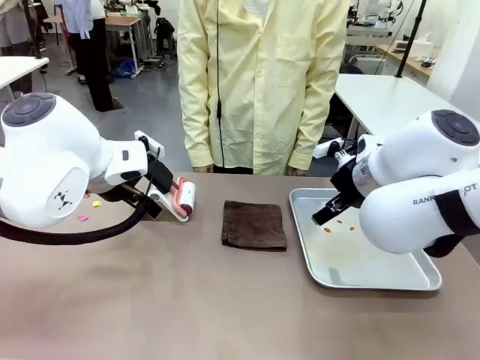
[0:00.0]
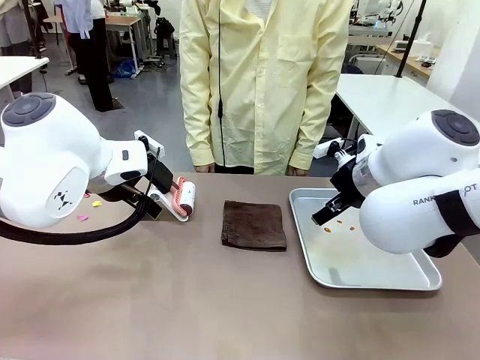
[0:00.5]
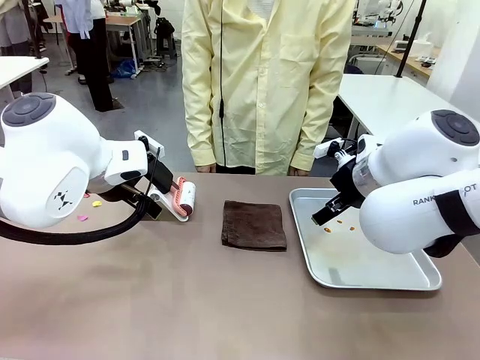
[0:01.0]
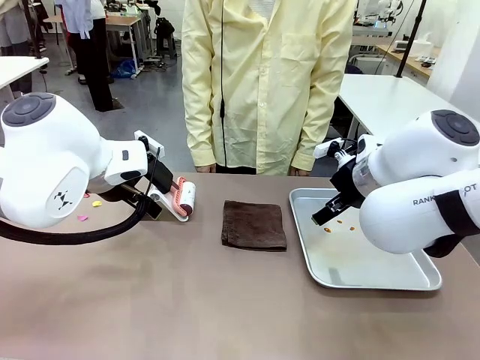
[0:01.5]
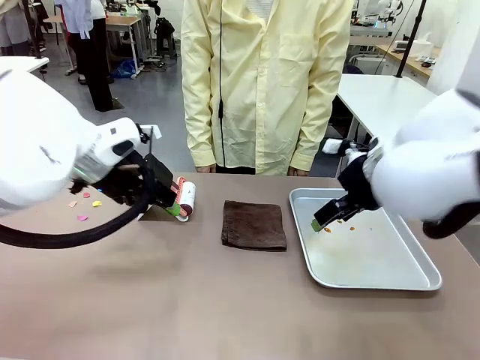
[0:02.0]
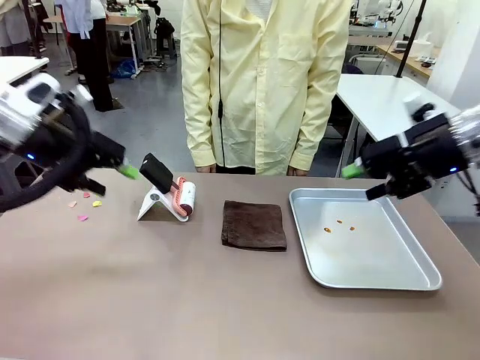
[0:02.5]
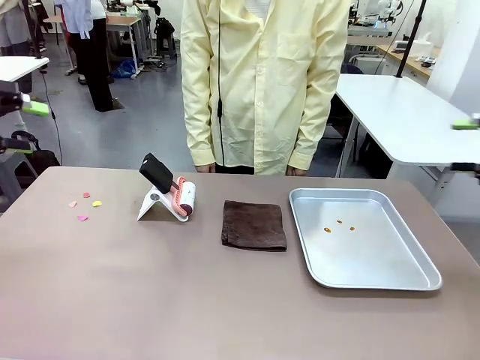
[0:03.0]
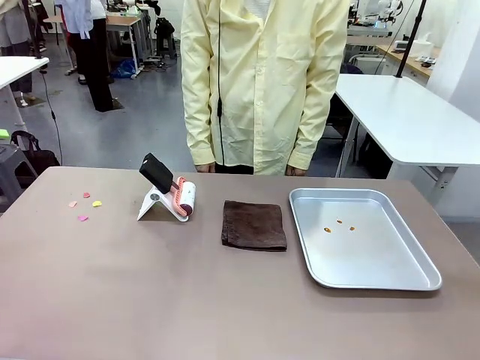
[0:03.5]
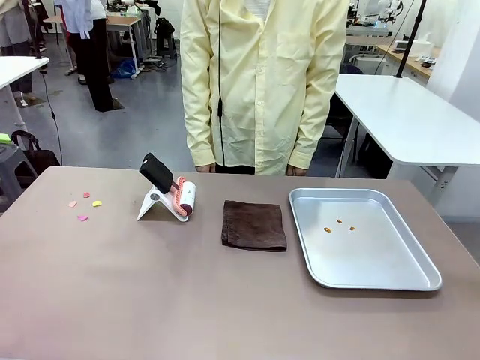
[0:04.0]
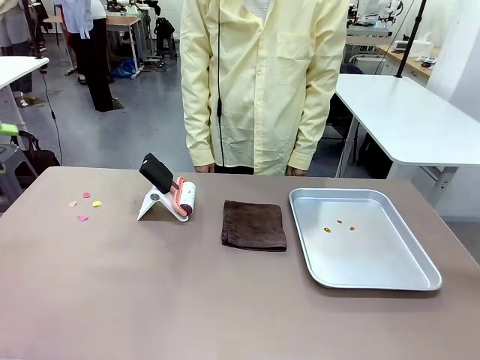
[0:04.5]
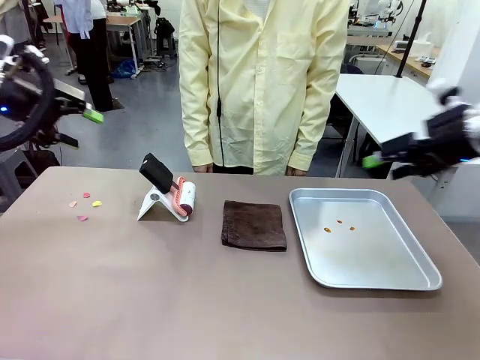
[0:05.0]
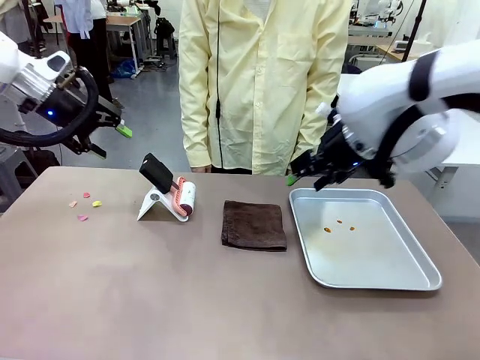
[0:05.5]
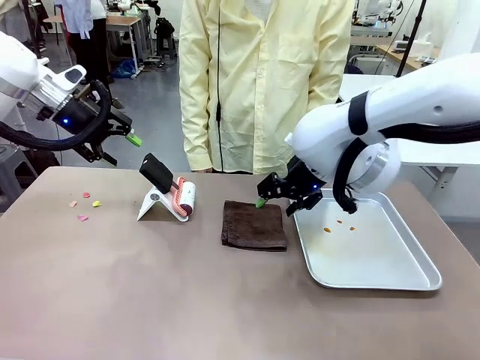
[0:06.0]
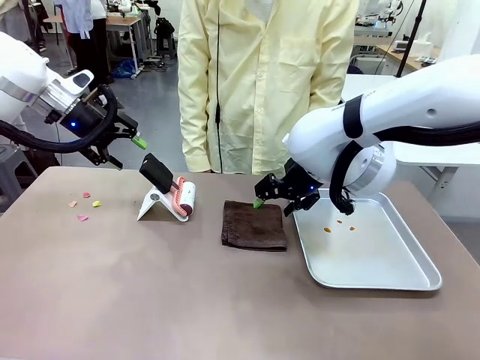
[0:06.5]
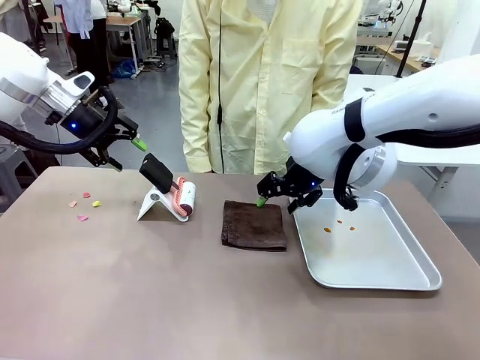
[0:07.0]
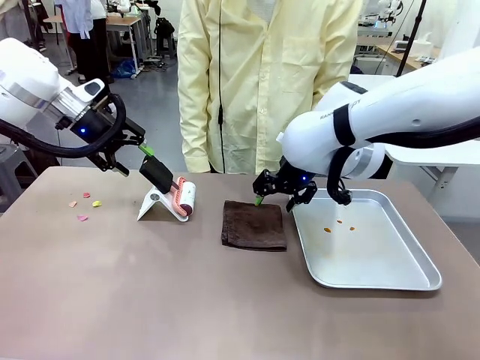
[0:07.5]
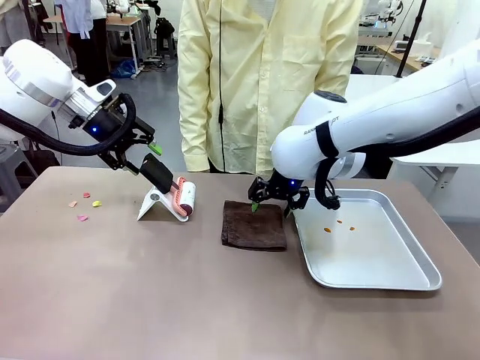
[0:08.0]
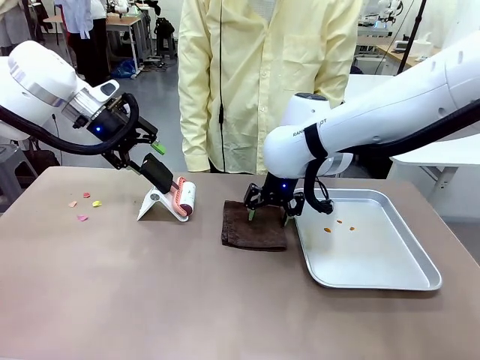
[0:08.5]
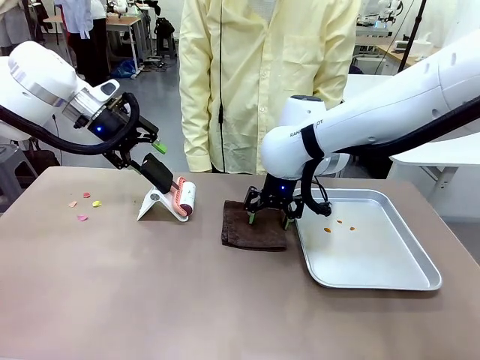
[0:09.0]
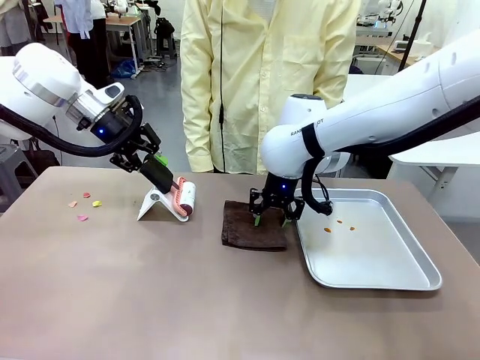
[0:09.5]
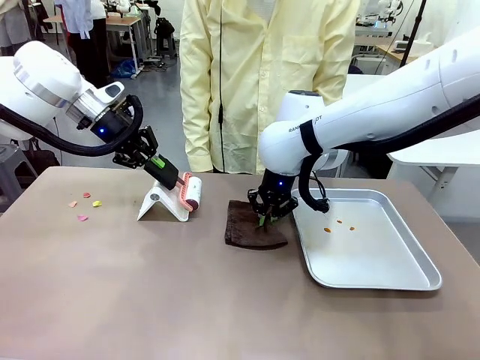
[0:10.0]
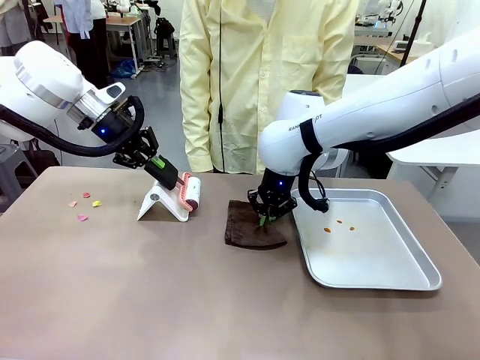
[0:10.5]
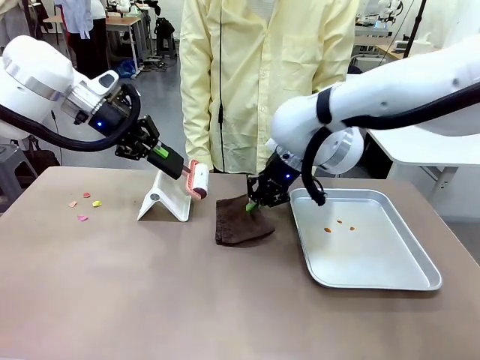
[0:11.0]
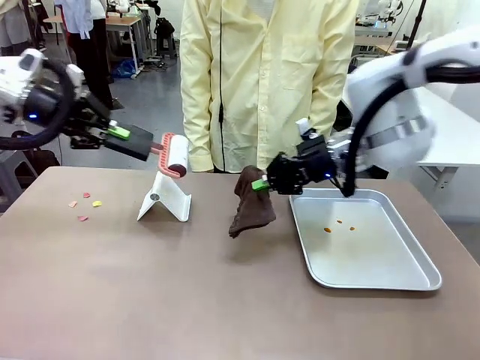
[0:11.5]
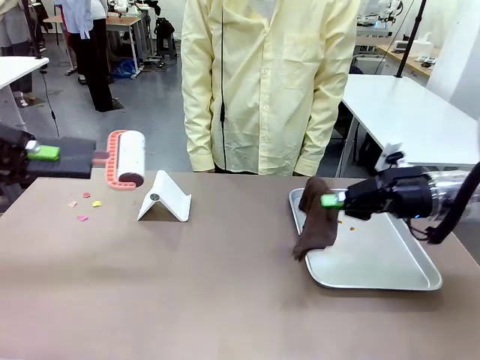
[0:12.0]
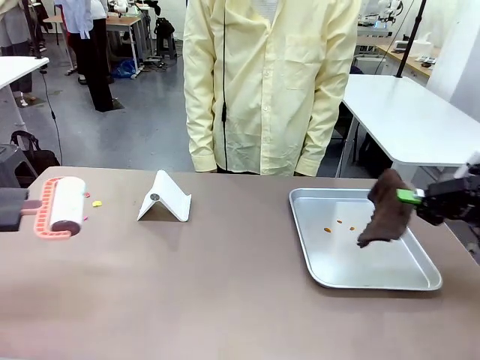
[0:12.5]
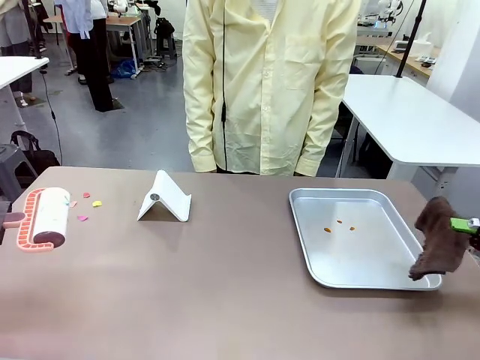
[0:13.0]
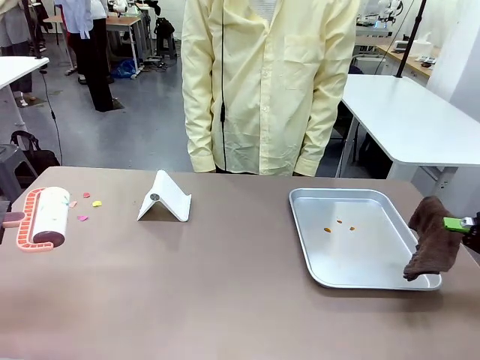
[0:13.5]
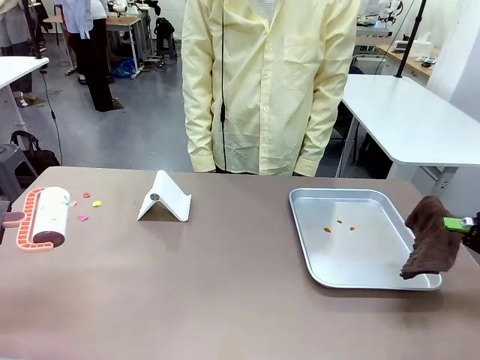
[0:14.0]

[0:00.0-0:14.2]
Task: Clean the surface of the table.
Robot: Hold the Lint Roller with your left hand and the towel with your right hand.

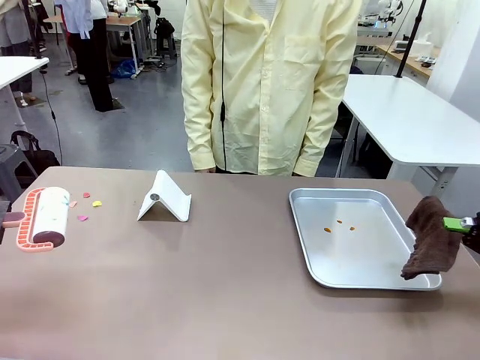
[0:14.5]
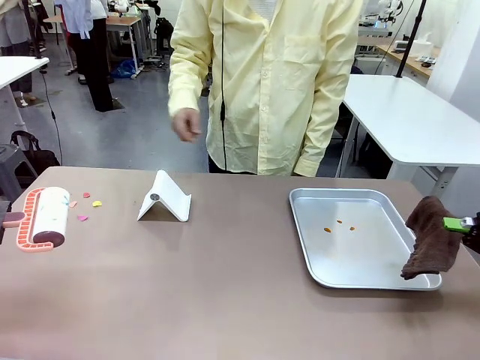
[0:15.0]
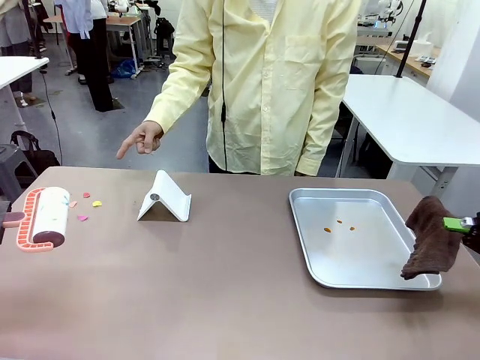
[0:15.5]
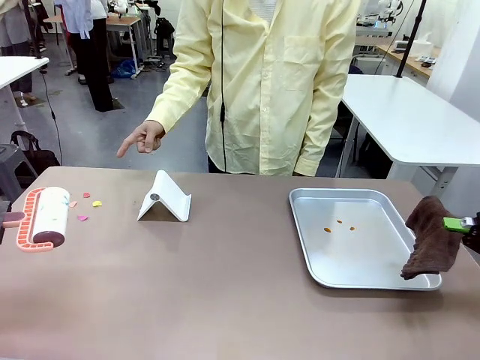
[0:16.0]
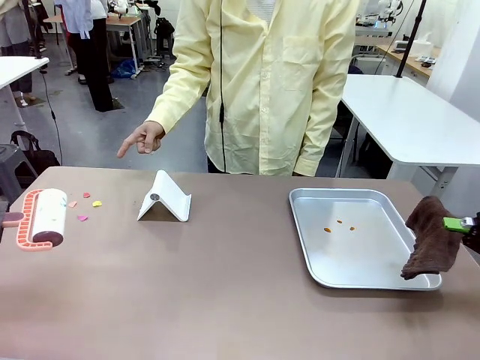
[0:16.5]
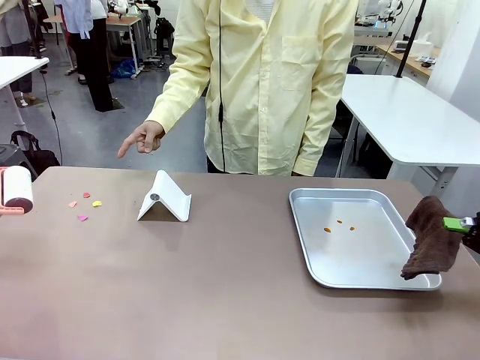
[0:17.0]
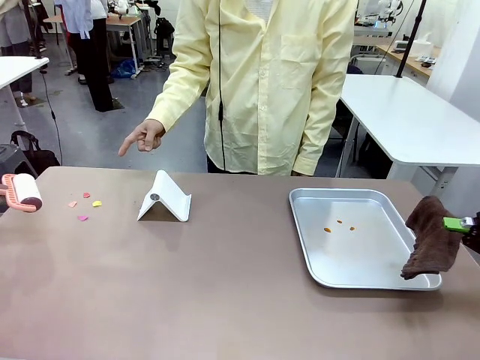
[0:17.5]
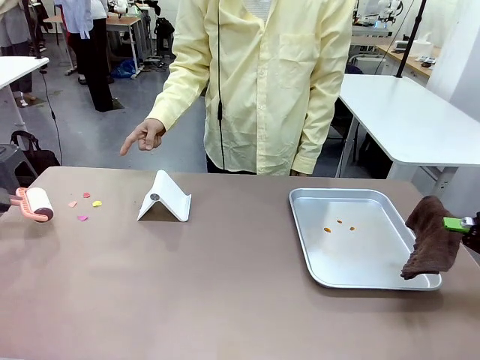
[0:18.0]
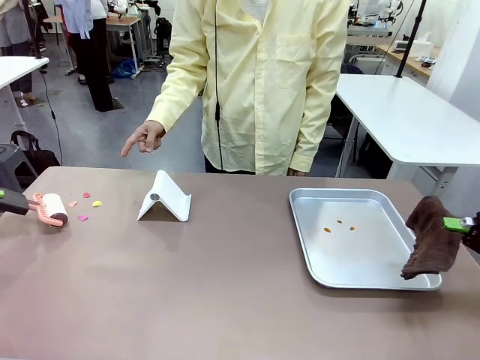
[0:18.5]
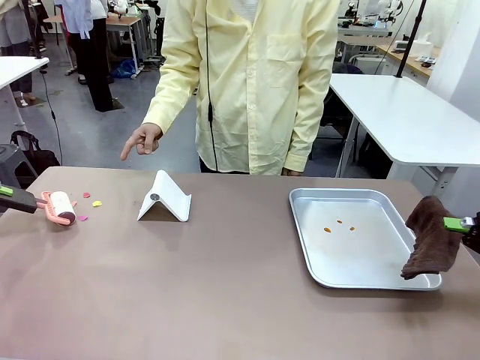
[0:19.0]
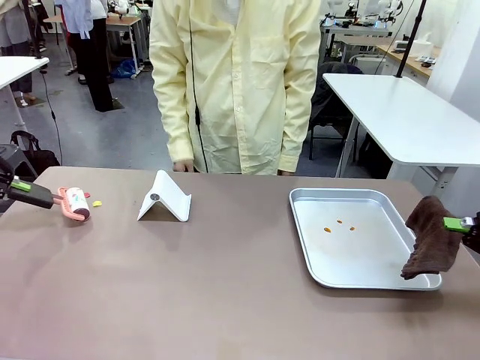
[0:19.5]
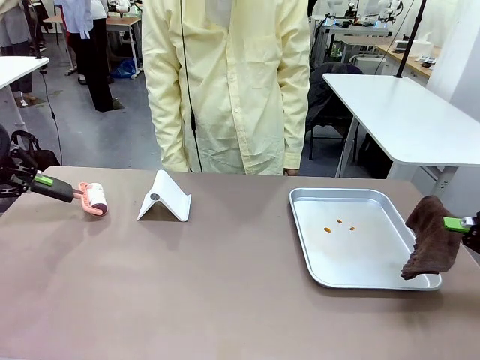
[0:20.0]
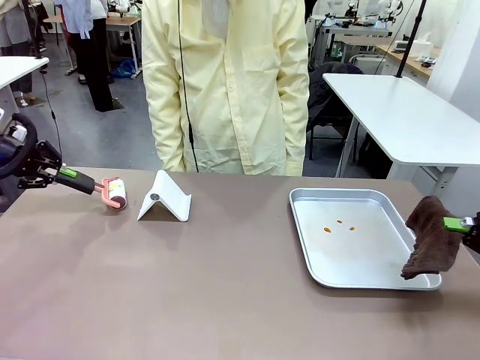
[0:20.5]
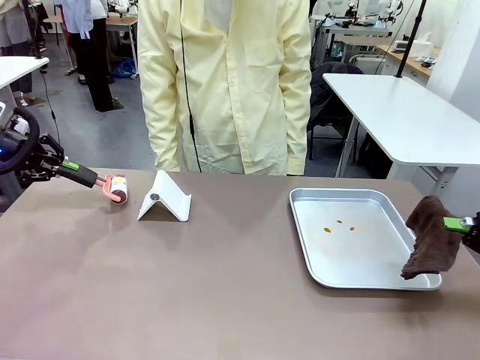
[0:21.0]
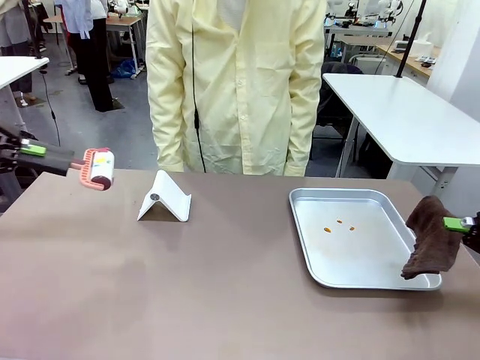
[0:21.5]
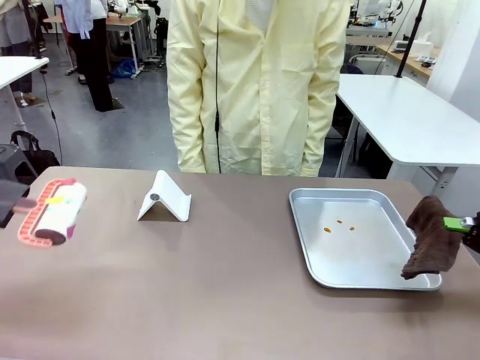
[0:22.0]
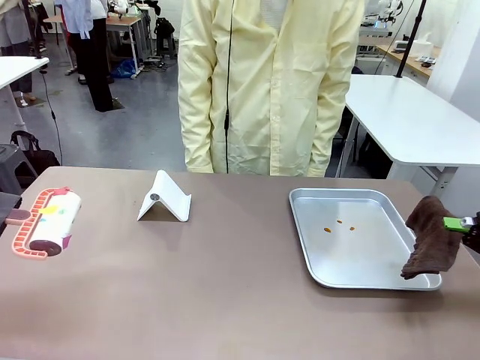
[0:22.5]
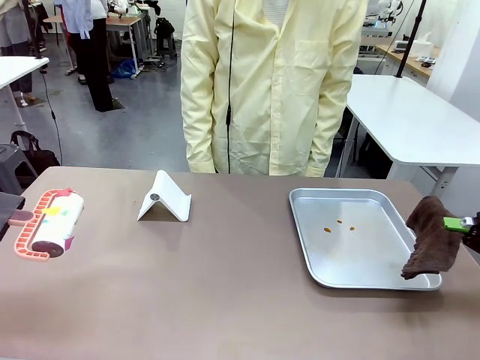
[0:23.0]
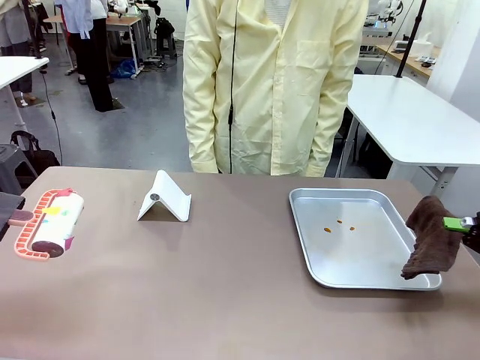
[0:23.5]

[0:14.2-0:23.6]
Robot: If a person points to the right, clean the right side of the table with your right hand, and if they point to the left, clean the left side with your left hand.

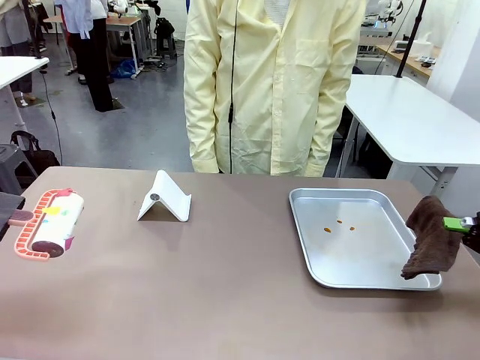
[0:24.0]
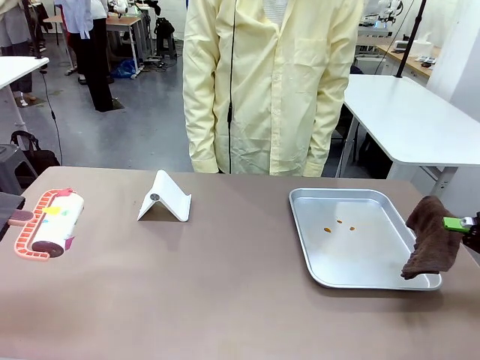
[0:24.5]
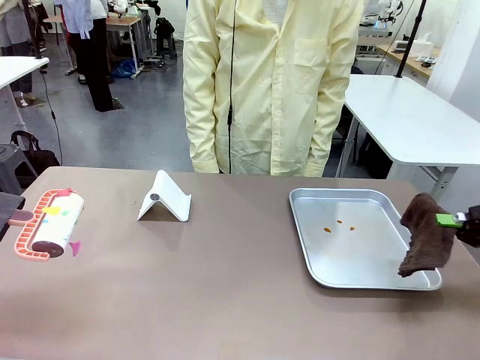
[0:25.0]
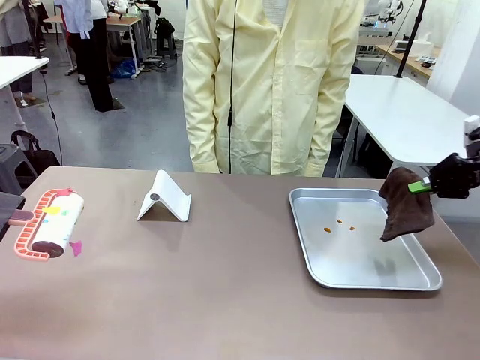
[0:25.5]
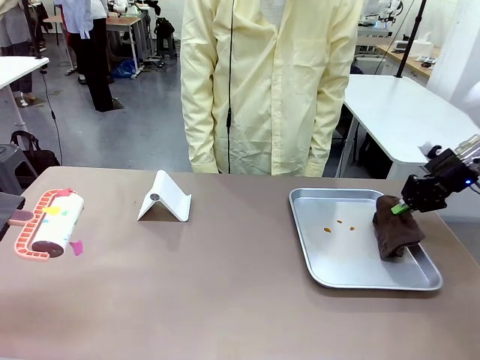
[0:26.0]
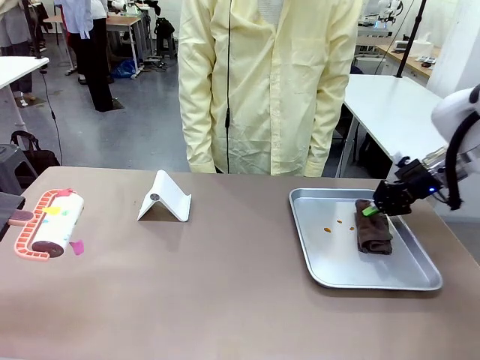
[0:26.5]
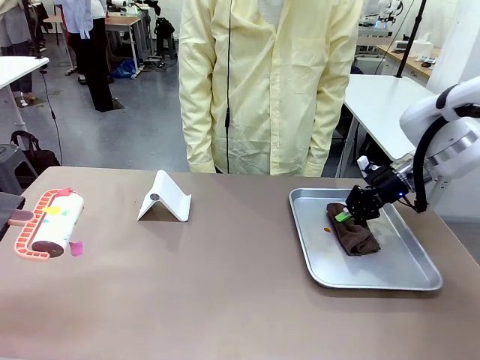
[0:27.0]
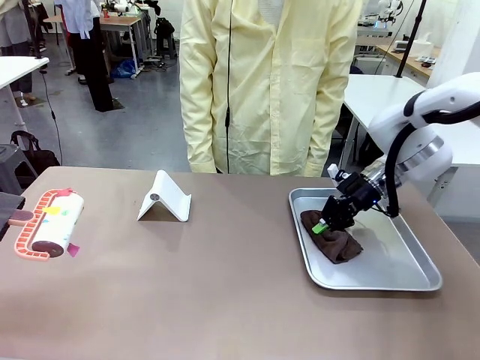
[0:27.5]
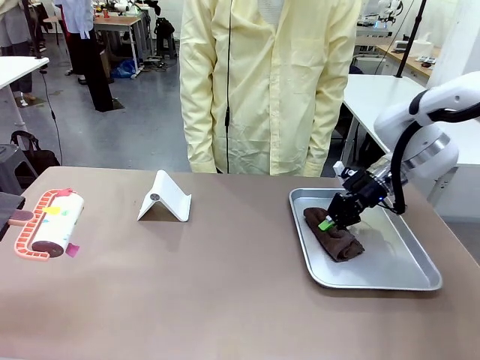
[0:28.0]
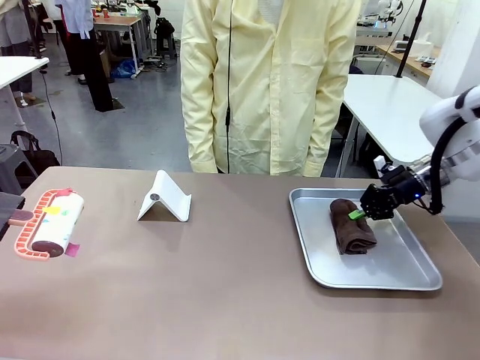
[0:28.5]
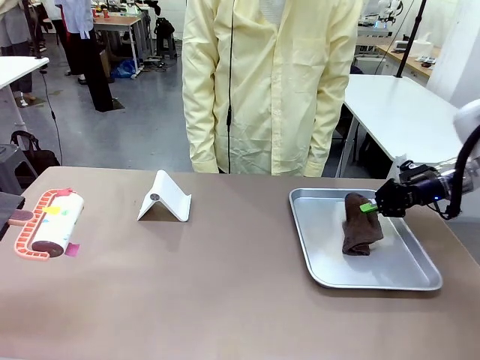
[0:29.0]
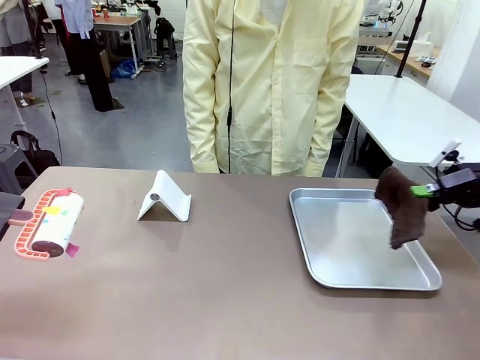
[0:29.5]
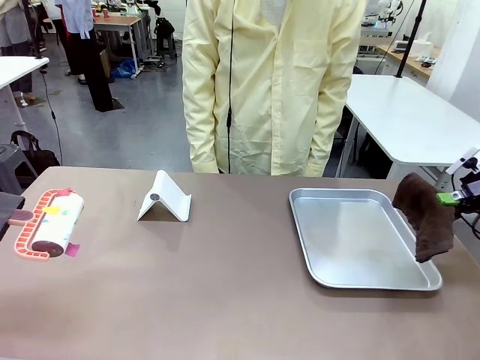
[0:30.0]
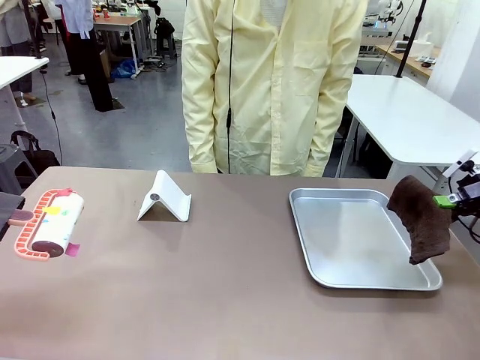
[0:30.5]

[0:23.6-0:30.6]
Robot: Clean the area not pointed to by the person.
